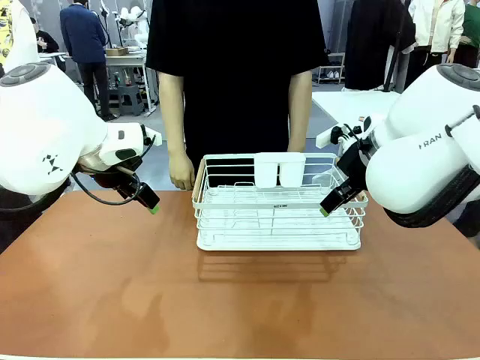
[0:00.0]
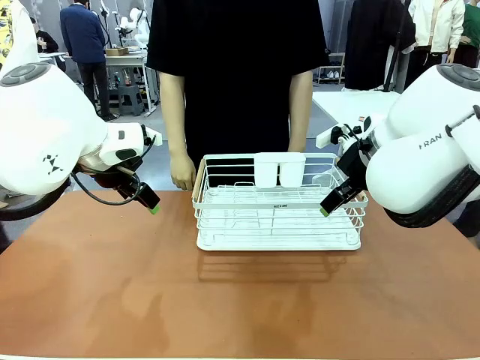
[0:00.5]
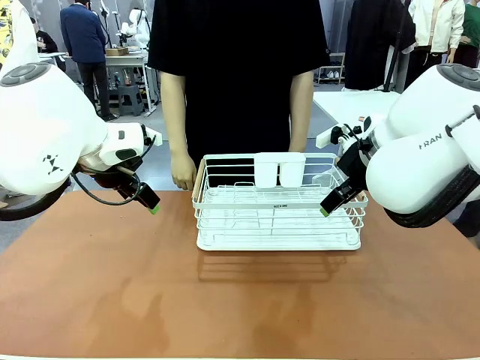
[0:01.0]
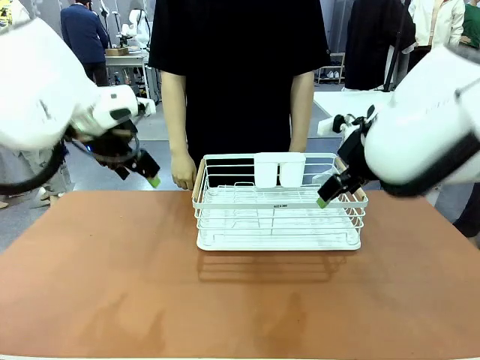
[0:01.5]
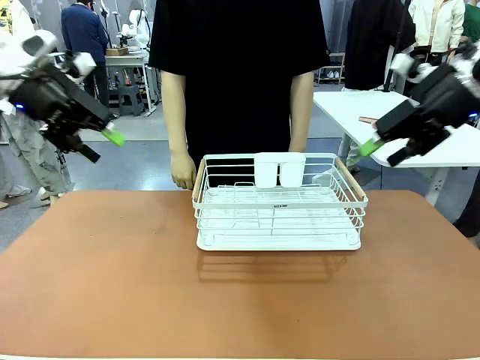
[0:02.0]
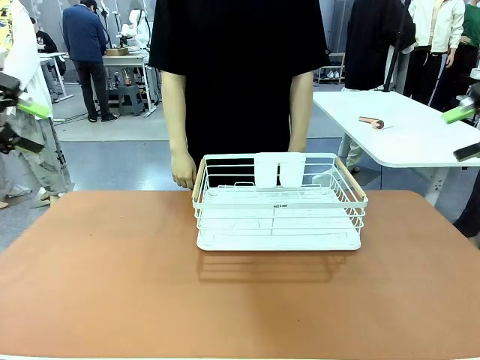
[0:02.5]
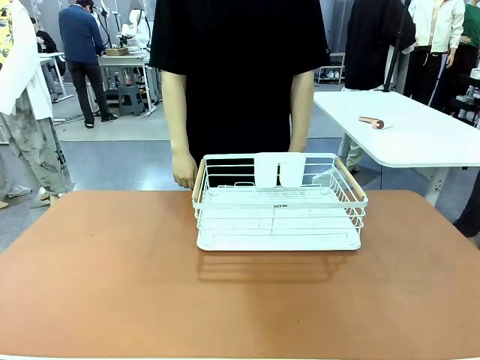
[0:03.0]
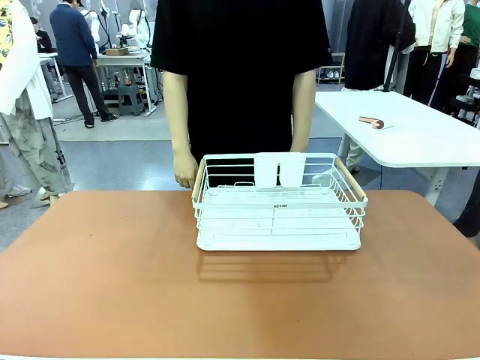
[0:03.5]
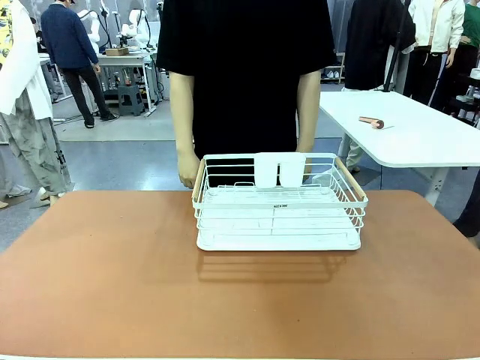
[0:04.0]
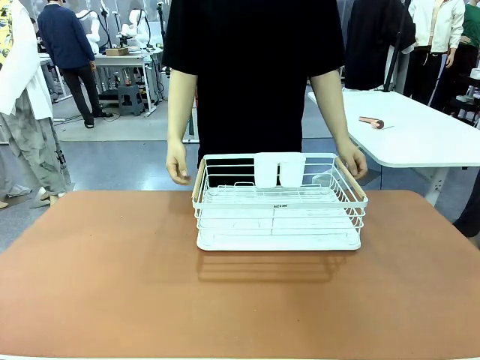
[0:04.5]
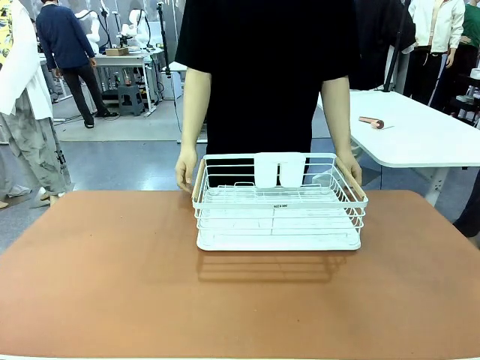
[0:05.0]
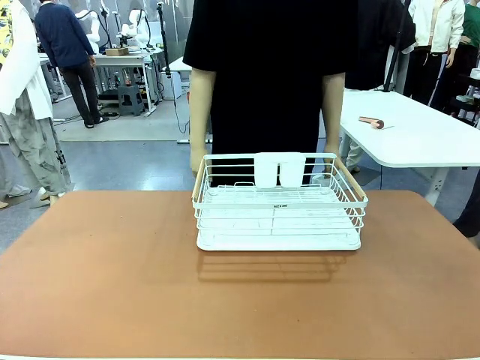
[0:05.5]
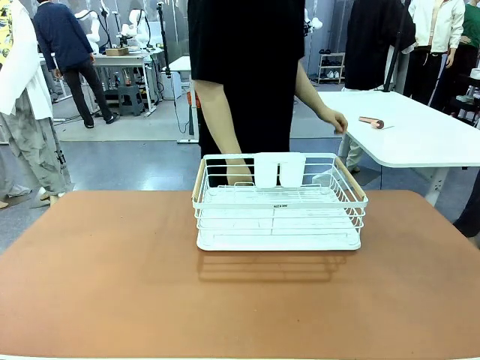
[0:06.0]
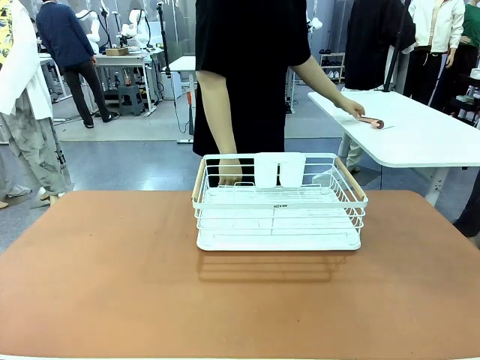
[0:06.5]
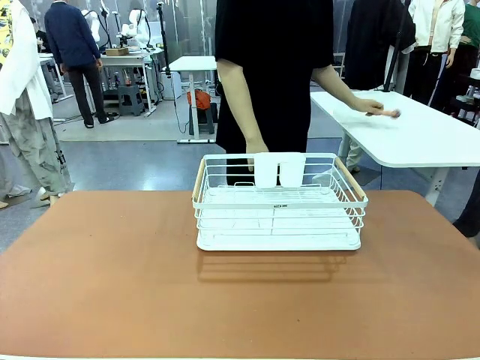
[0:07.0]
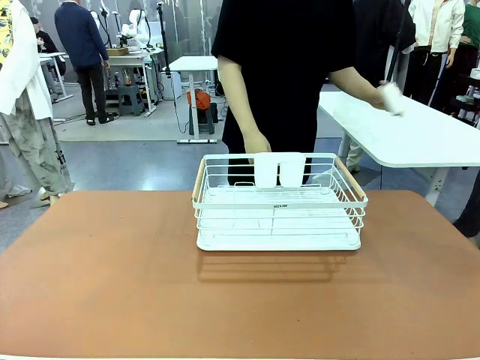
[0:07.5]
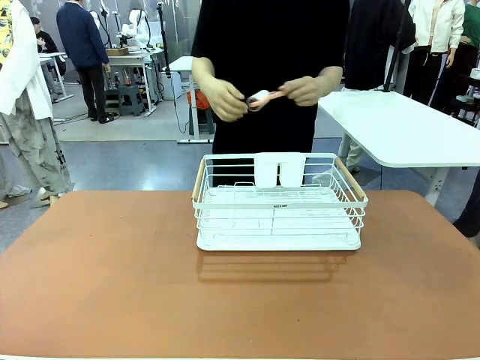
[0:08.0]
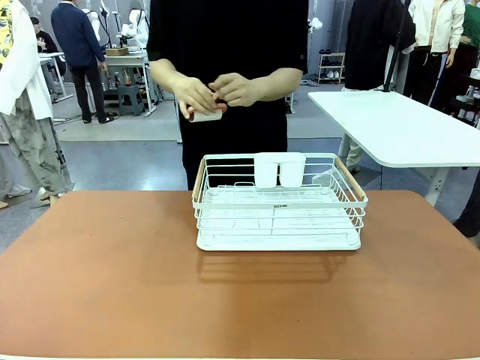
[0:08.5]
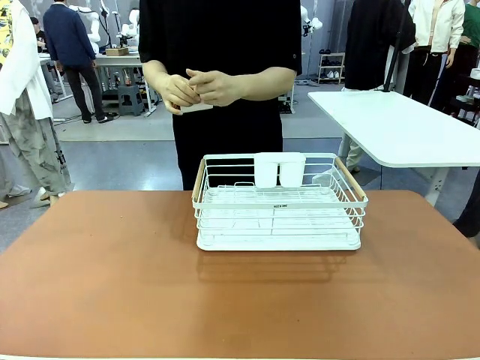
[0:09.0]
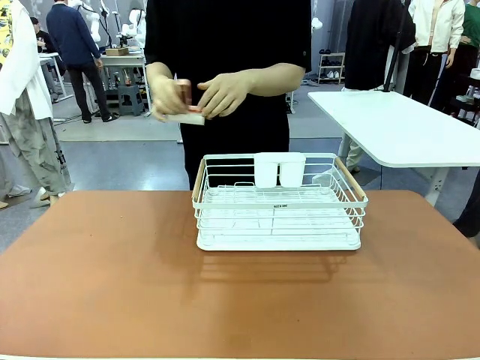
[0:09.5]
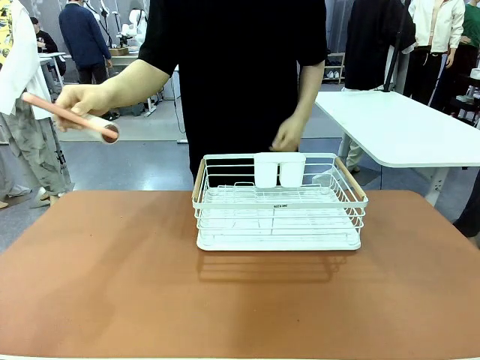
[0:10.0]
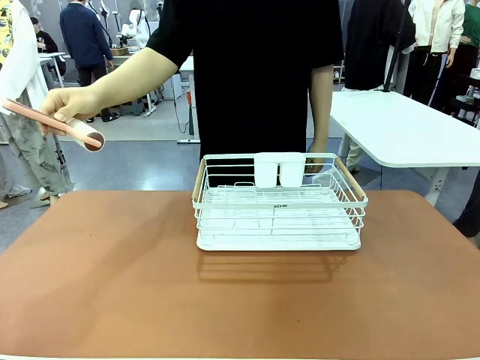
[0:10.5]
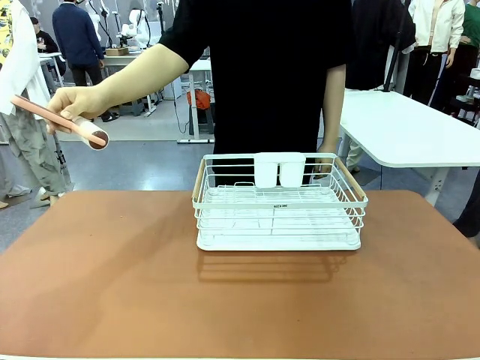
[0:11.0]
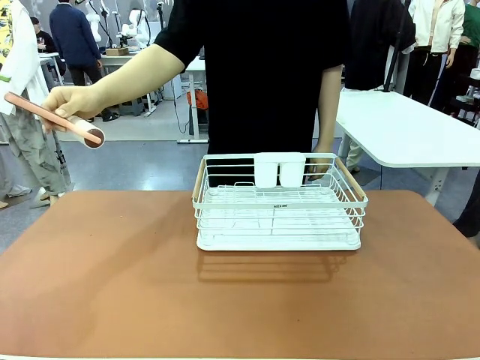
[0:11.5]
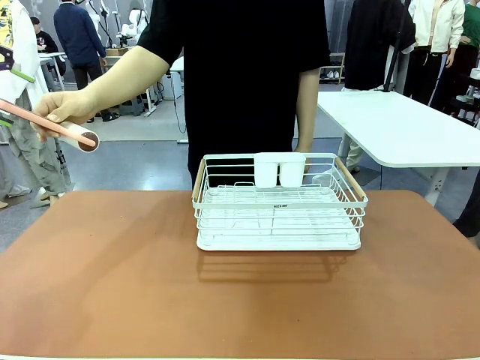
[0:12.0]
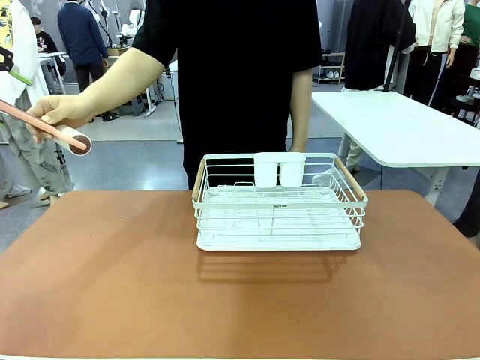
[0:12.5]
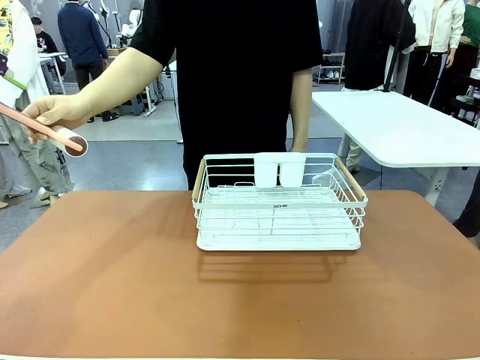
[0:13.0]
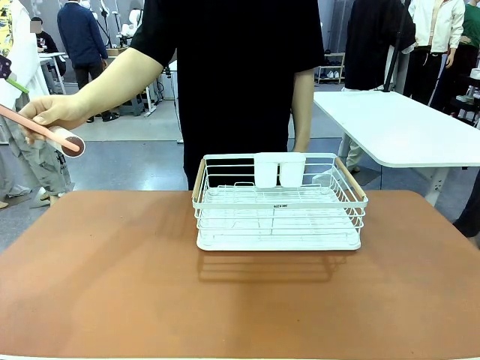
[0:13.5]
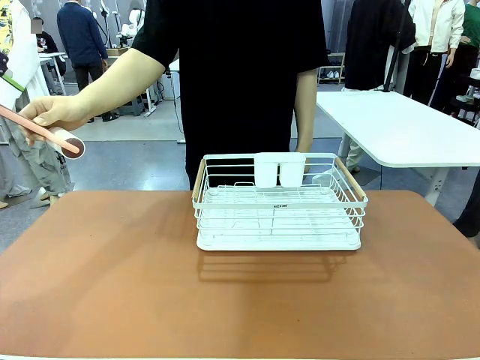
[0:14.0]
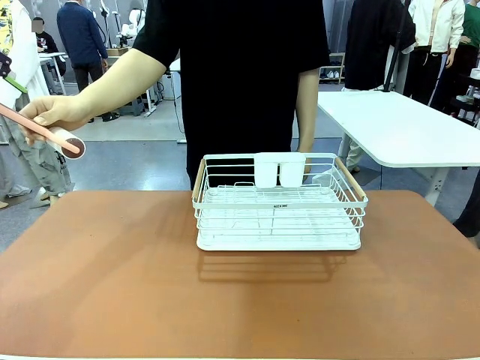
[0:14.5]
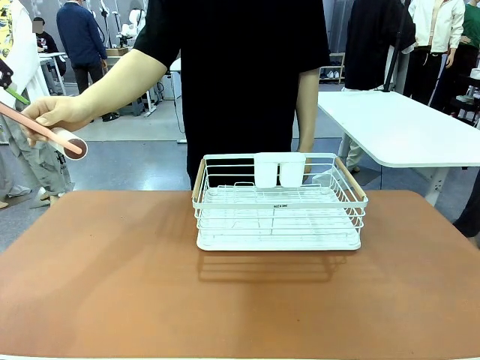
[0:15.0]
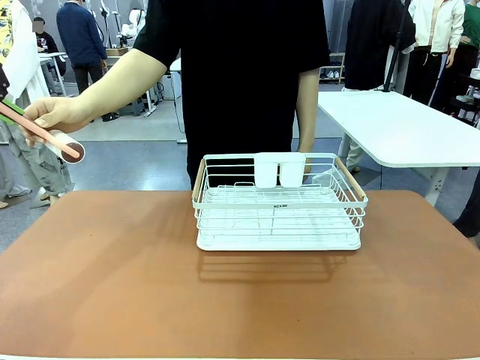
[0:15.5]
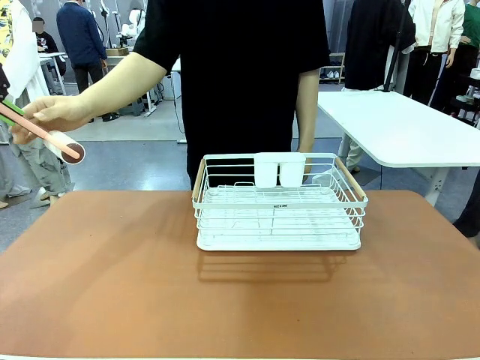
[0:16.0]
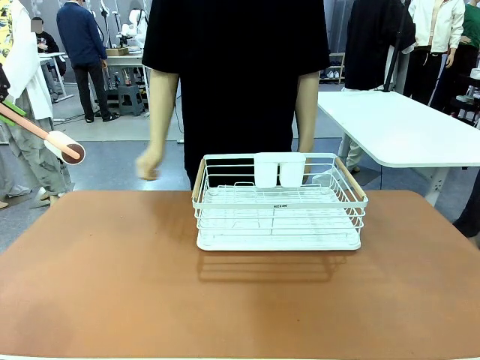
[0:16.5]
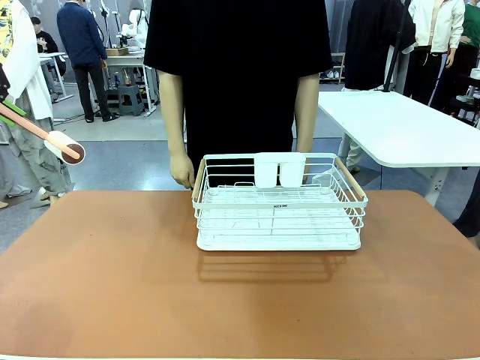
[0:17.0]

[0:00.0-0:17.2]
Task: Clean the table.
Robot: Pick up the Lint Roller when the human hands it over.
Person: Hand the Lint Roller to the robot so it can easily pick it up. Lift the Dish drying rack.
